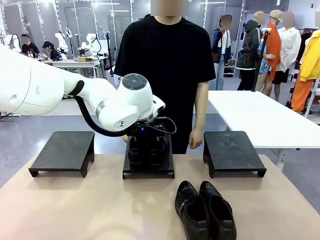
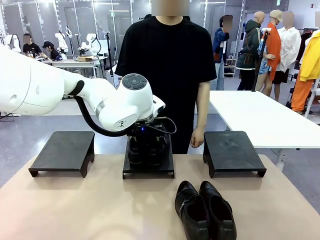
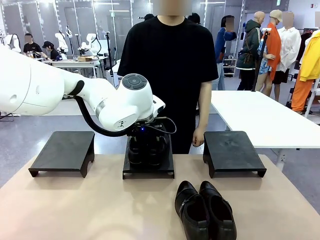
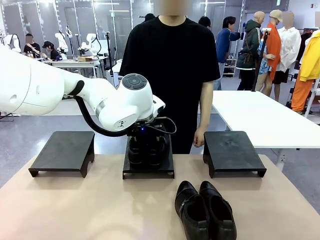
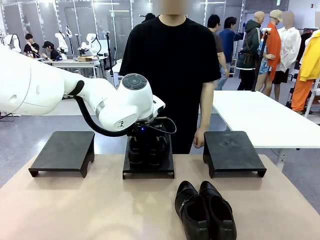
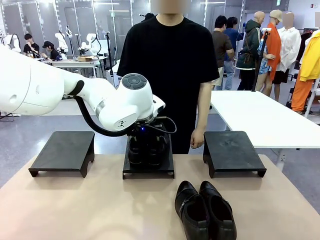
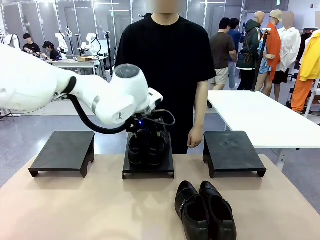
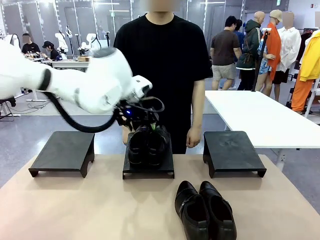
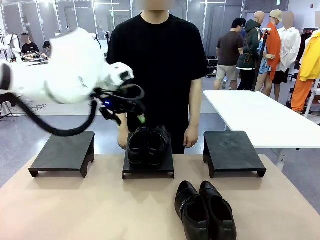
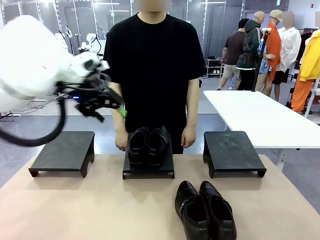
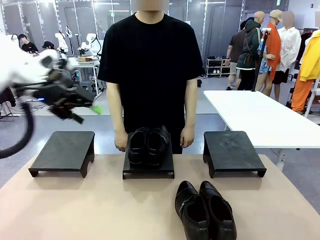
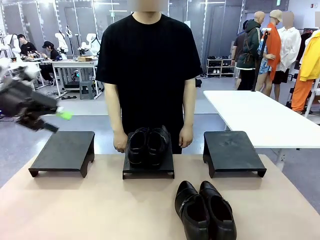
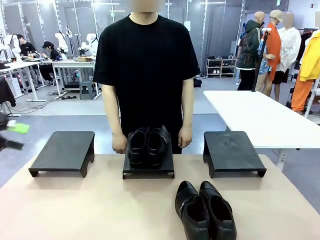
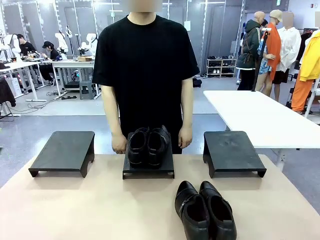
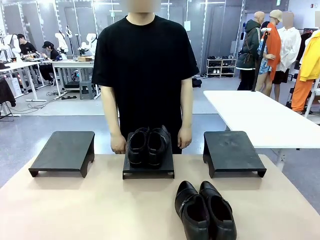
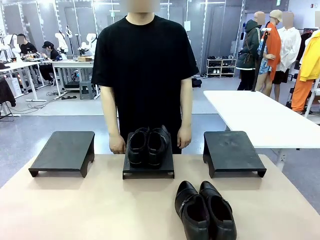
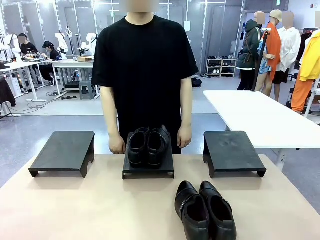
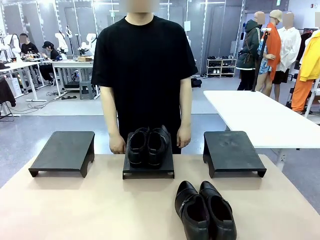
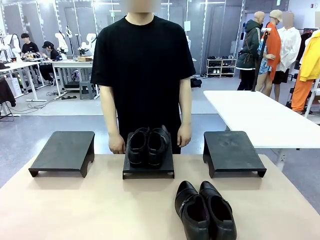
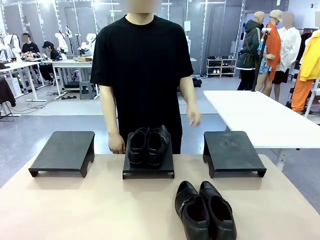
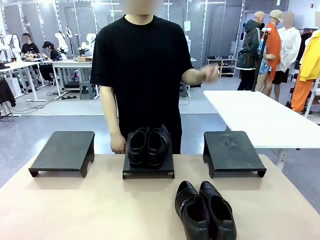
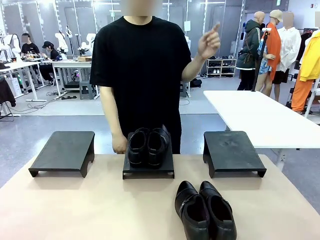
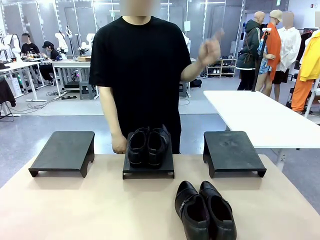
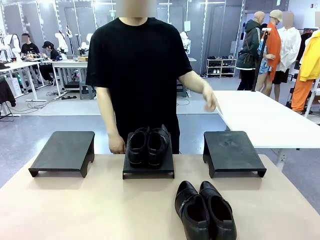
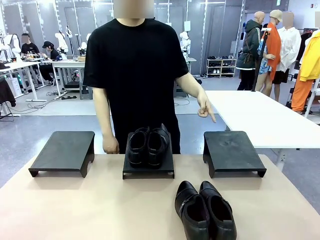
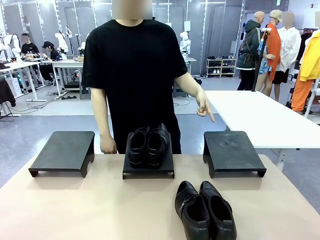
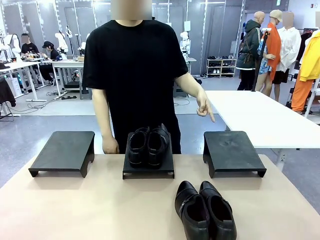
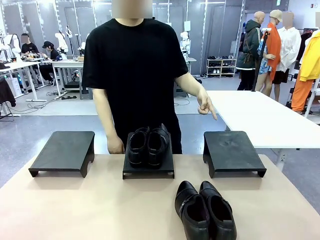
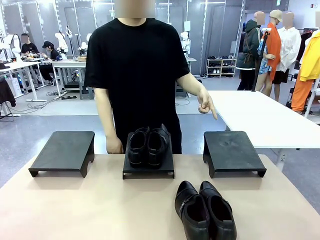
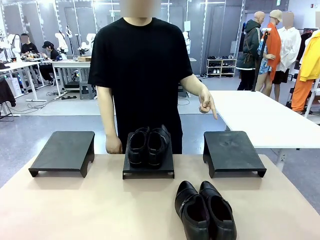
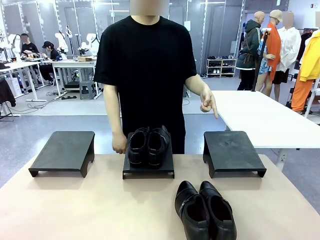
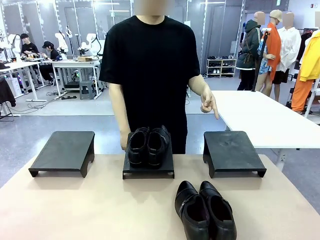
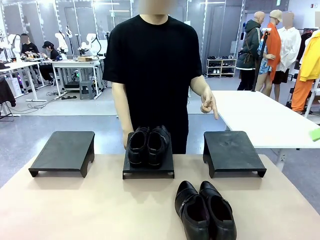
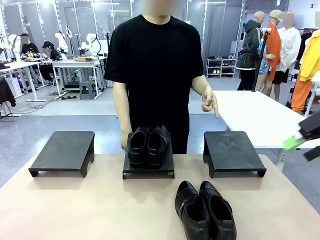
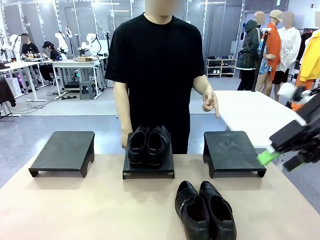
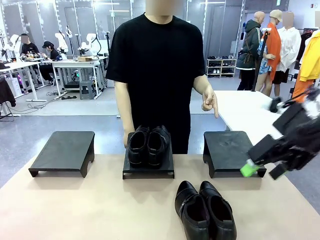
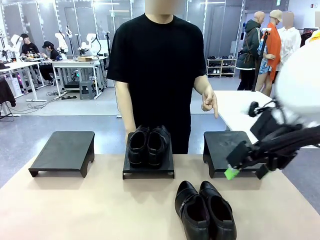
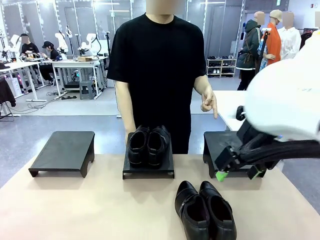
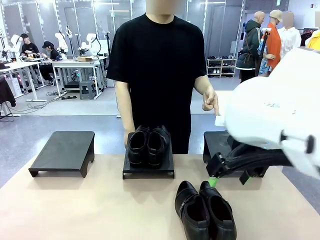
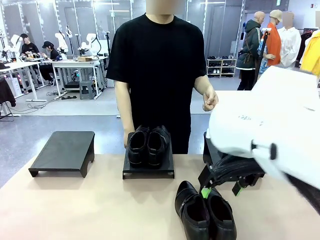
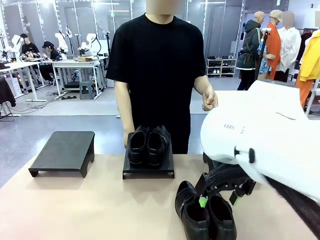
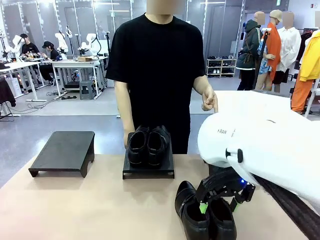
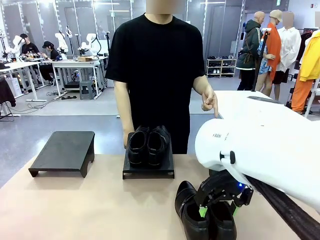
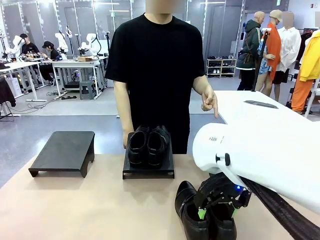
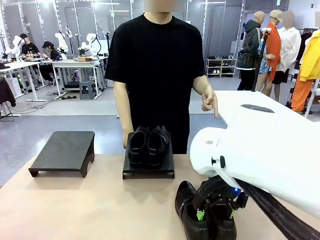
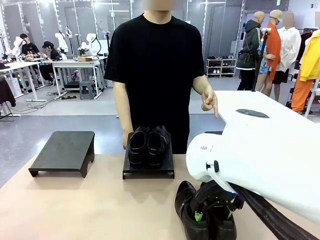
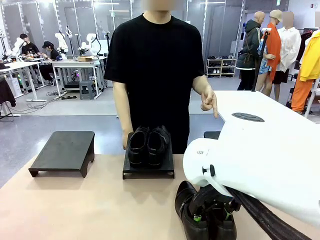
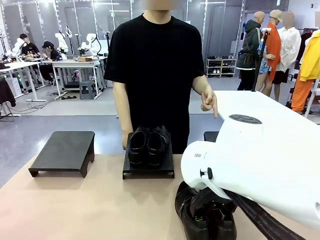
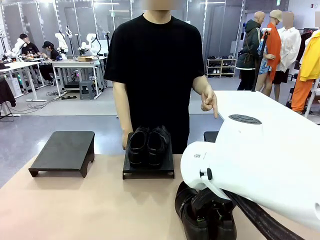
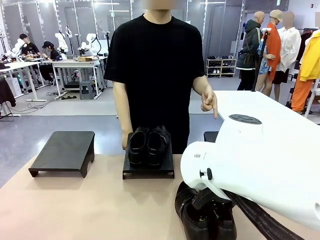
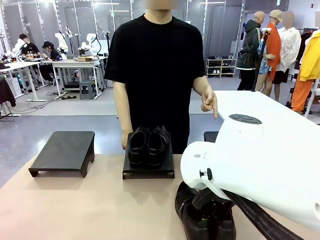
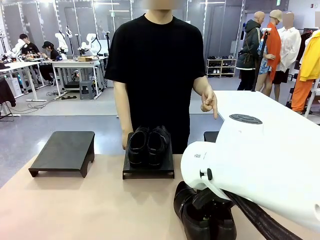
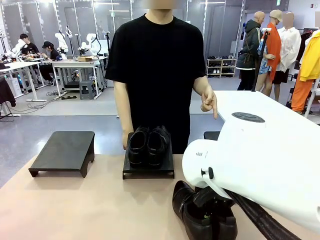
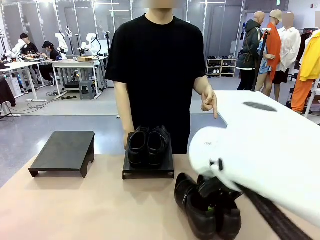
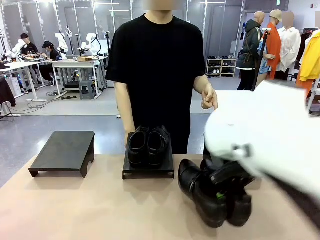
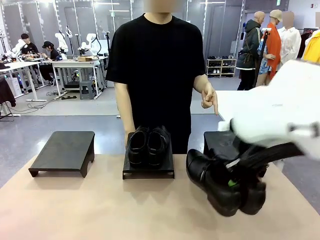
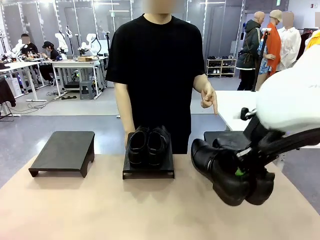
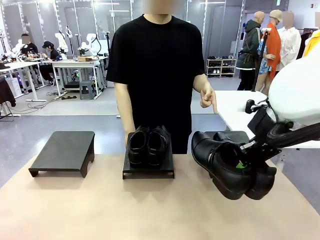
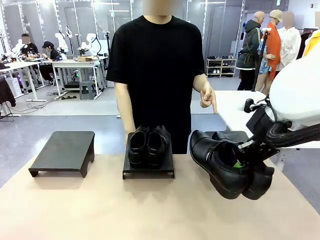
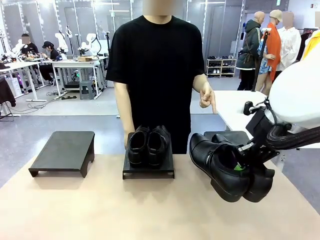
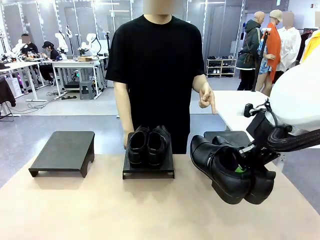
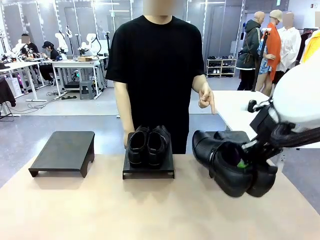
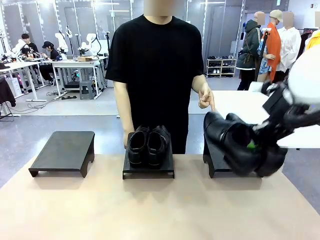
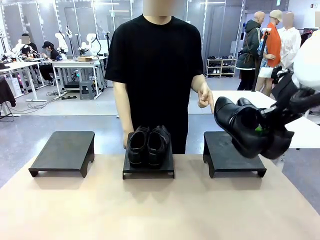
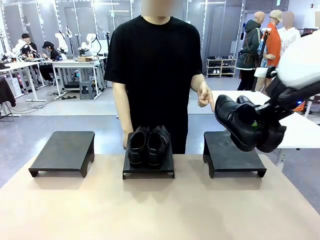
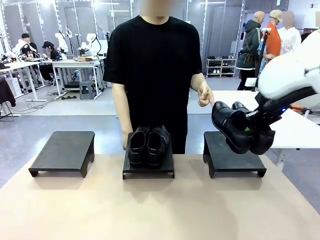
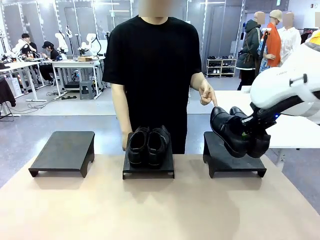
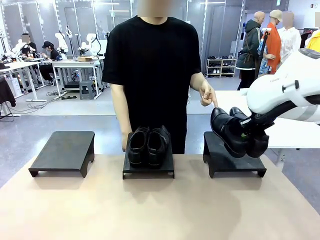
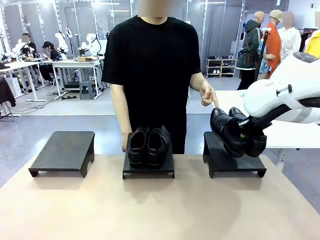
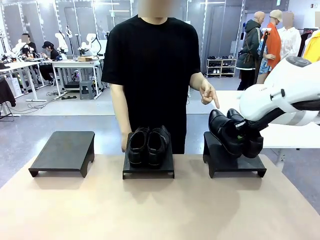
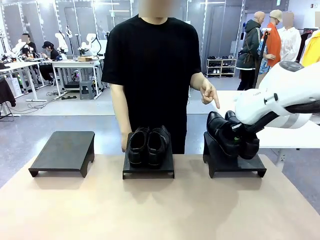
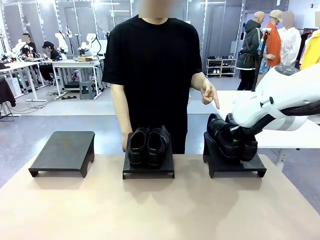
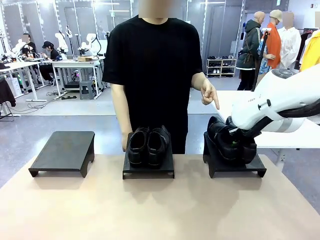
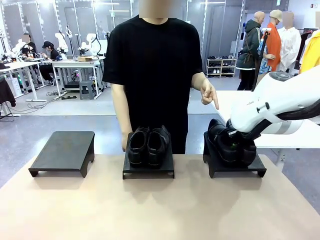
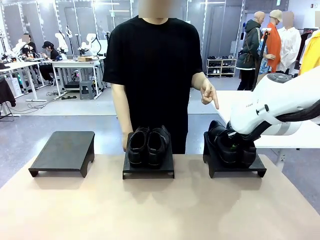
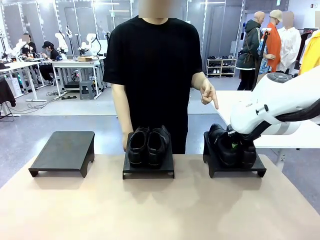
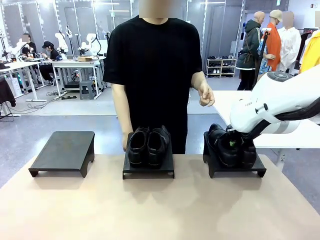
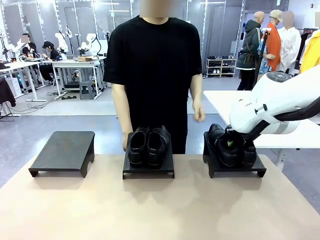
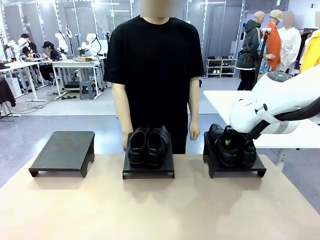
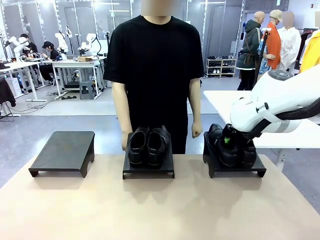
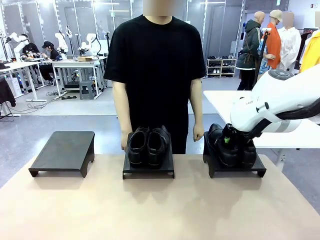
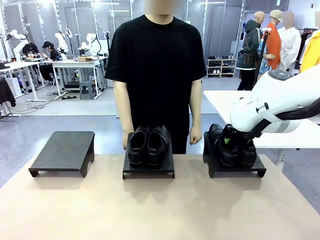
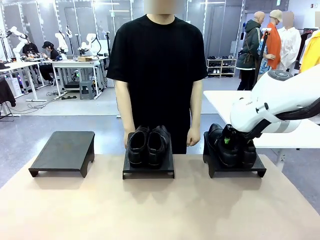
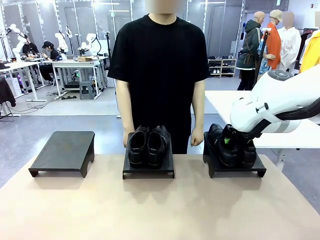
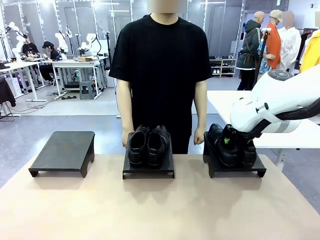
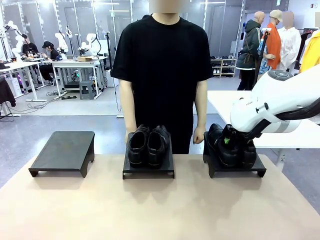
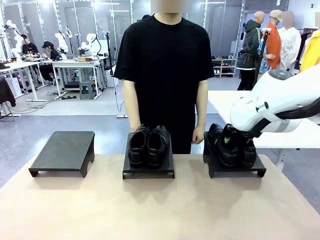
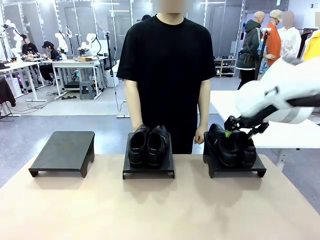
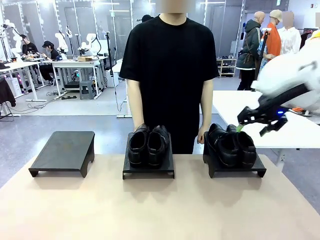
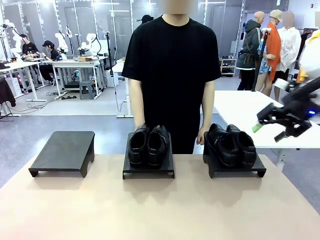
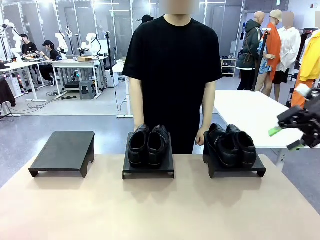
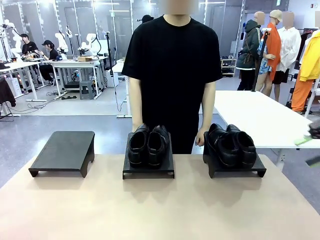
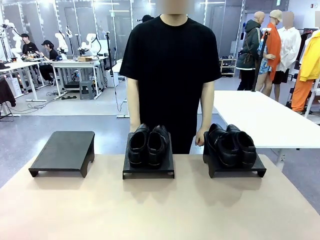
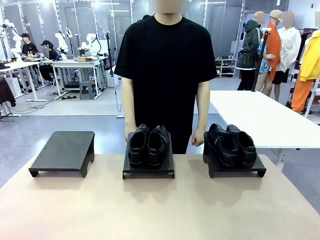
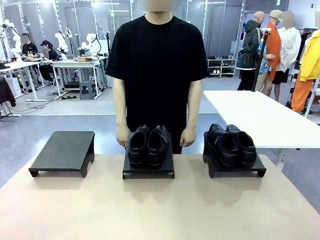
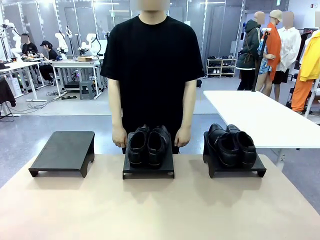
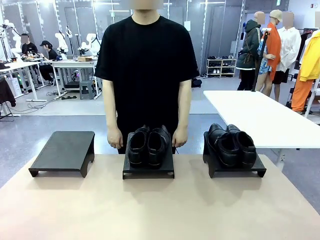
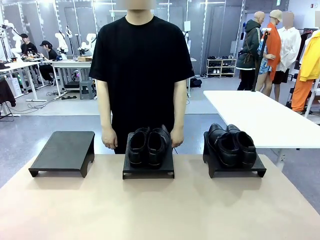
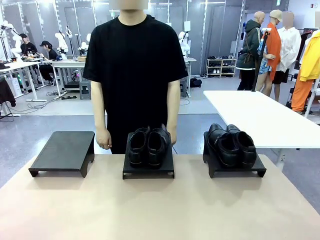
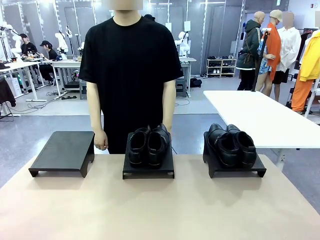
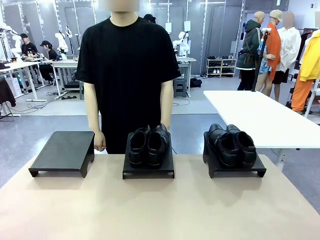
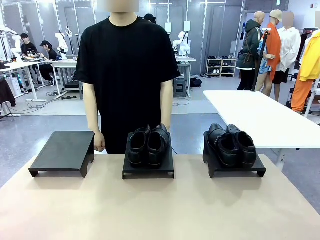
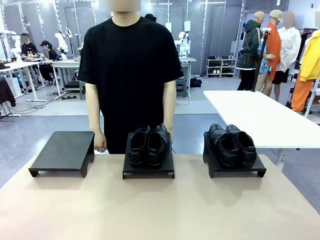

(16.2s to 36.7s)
Task: Place the shoes on the stand as instructed by the person.
Robot: Pick up another pair of Shoes and place it on the Shoes Stand indicated by the person.
Person: Point to one Shoes Stand.
